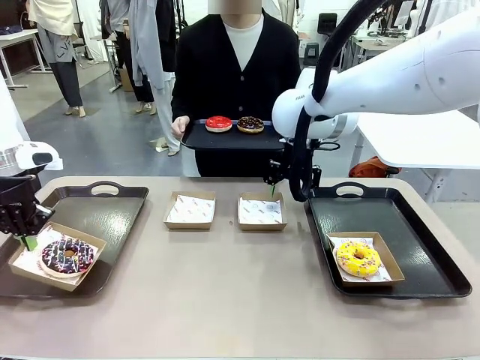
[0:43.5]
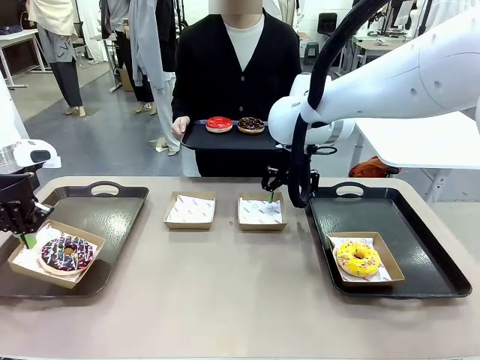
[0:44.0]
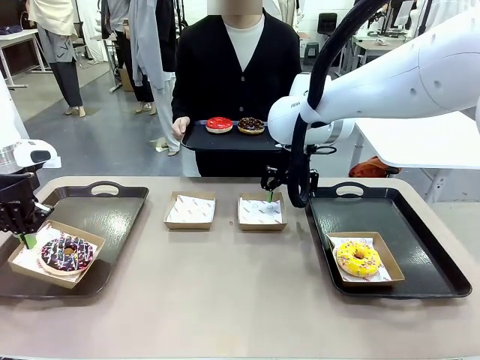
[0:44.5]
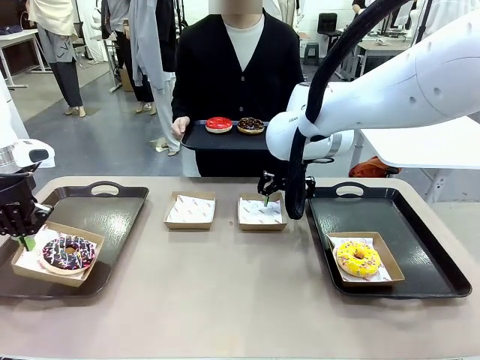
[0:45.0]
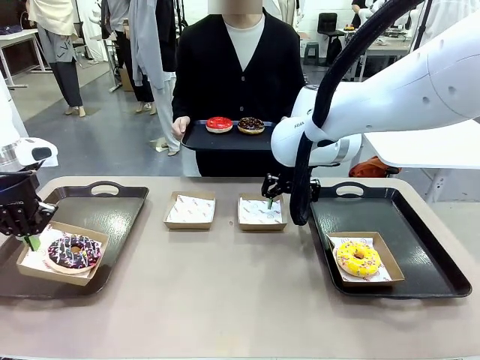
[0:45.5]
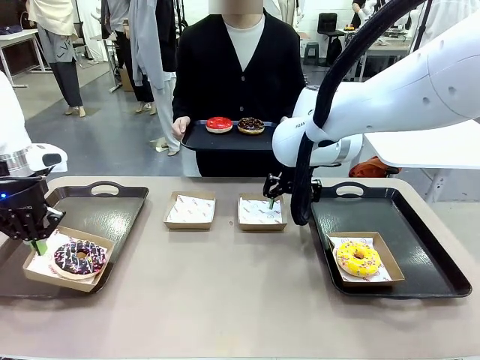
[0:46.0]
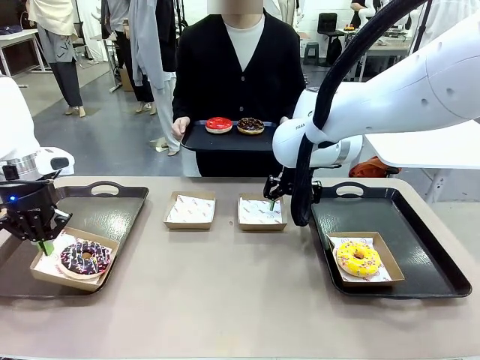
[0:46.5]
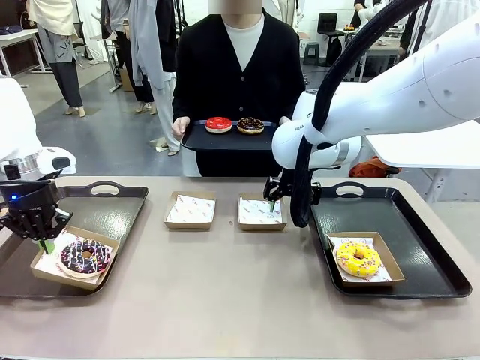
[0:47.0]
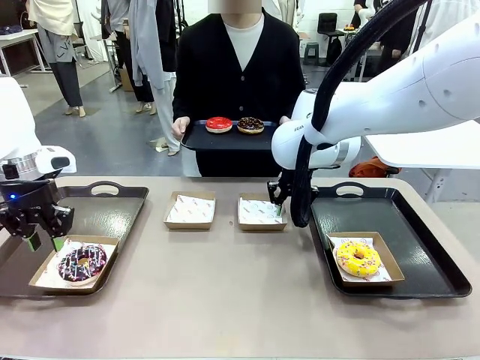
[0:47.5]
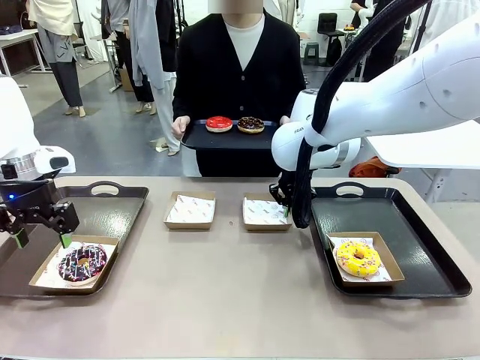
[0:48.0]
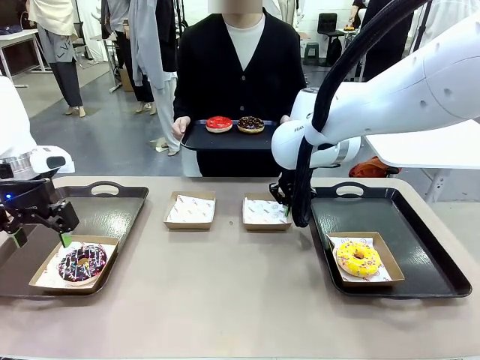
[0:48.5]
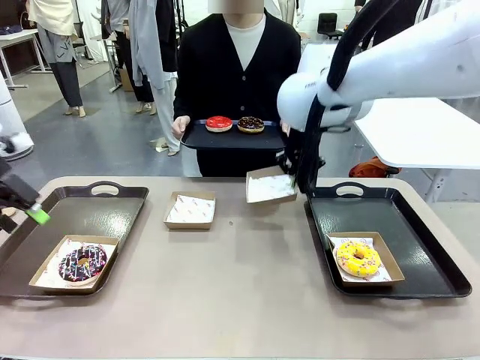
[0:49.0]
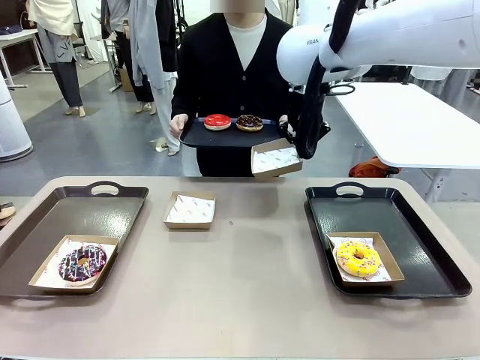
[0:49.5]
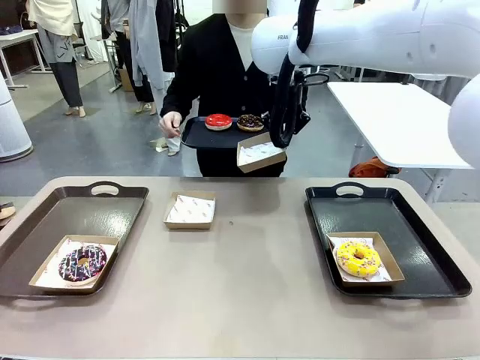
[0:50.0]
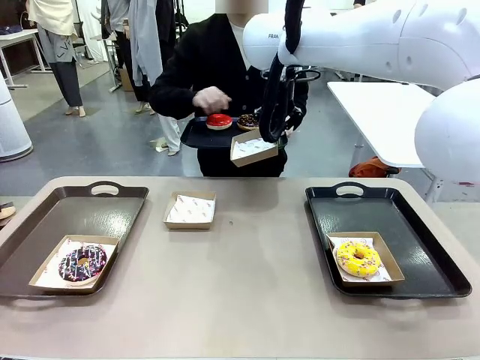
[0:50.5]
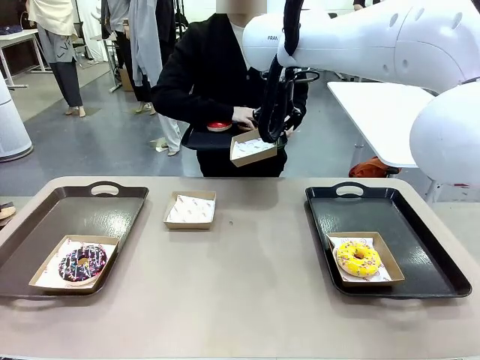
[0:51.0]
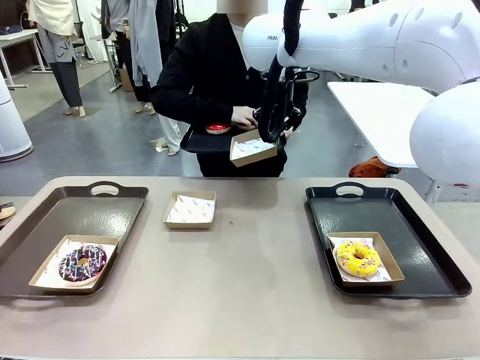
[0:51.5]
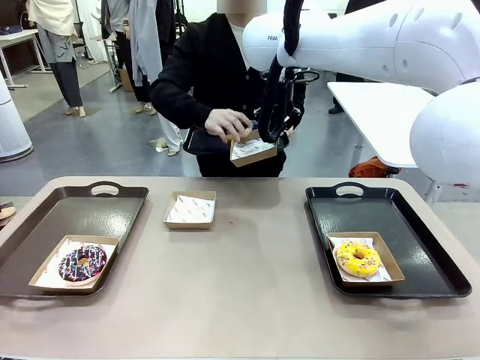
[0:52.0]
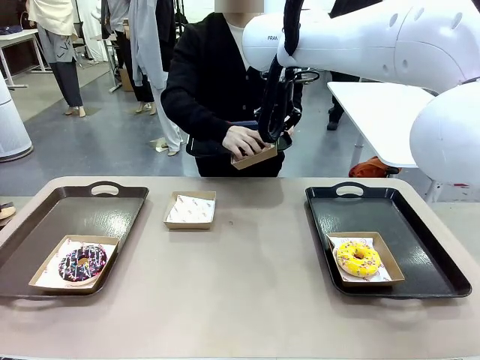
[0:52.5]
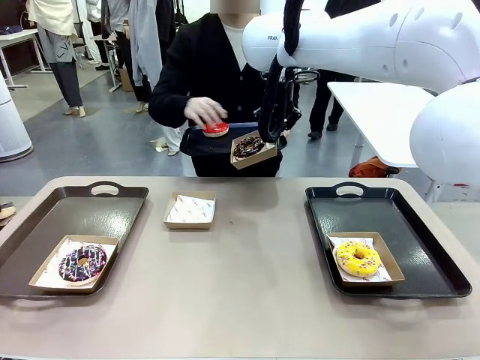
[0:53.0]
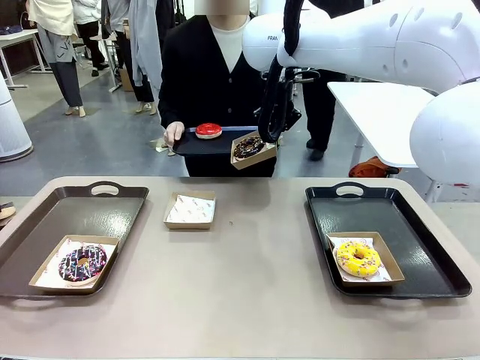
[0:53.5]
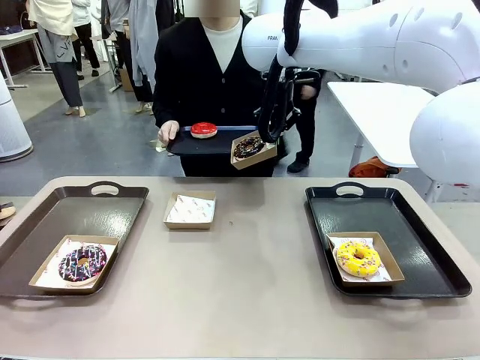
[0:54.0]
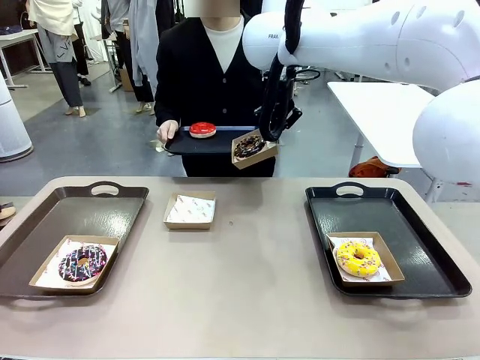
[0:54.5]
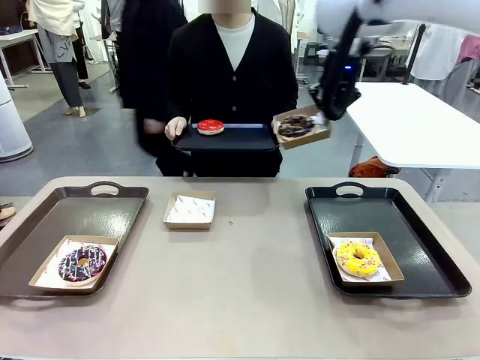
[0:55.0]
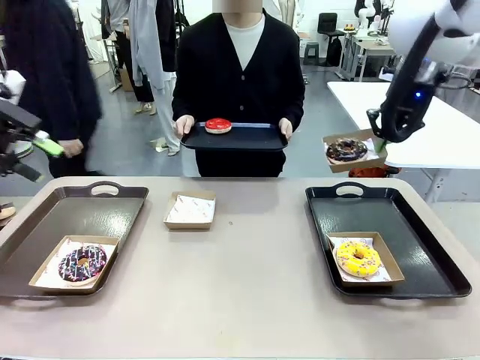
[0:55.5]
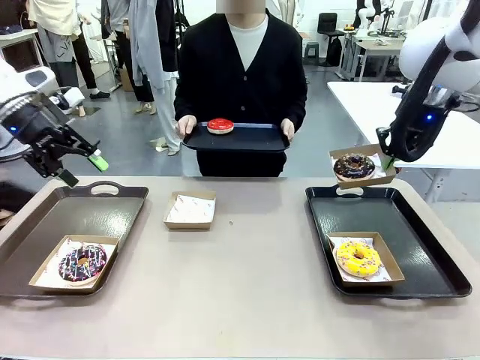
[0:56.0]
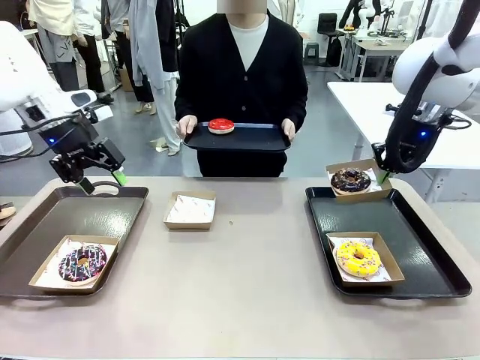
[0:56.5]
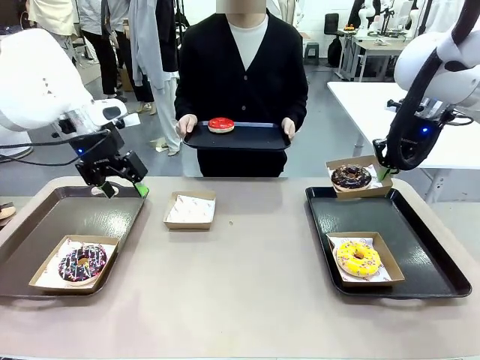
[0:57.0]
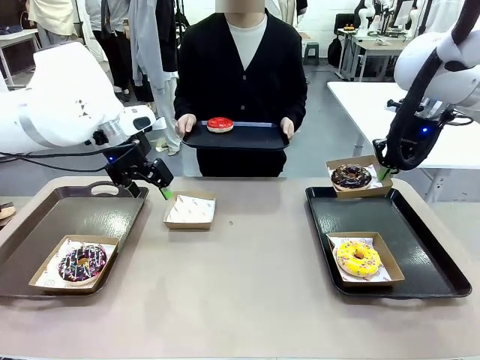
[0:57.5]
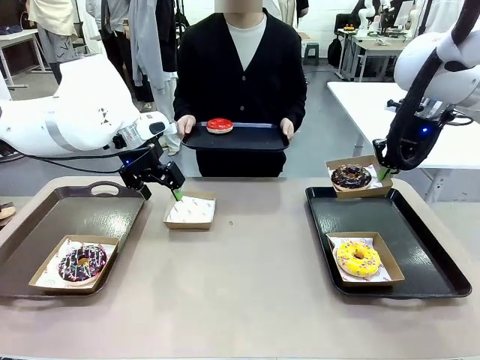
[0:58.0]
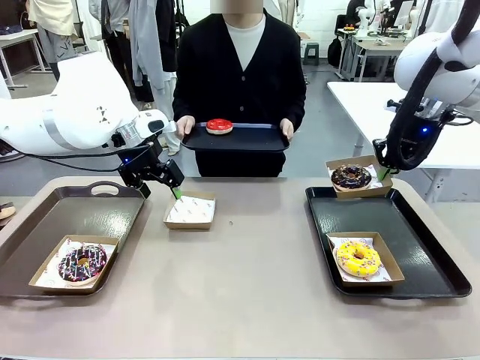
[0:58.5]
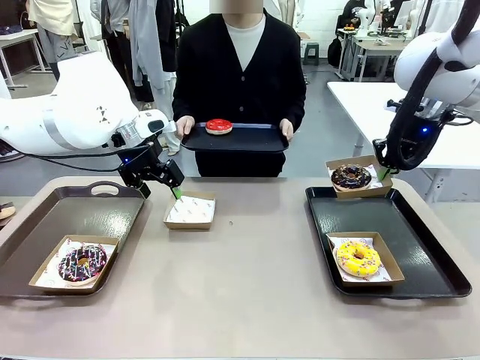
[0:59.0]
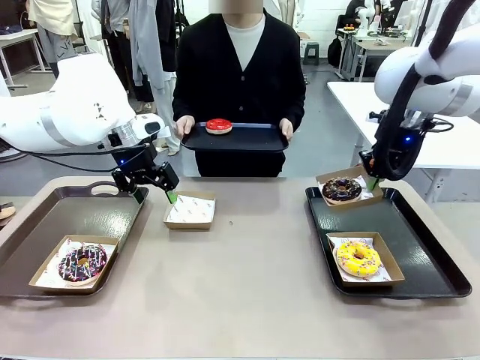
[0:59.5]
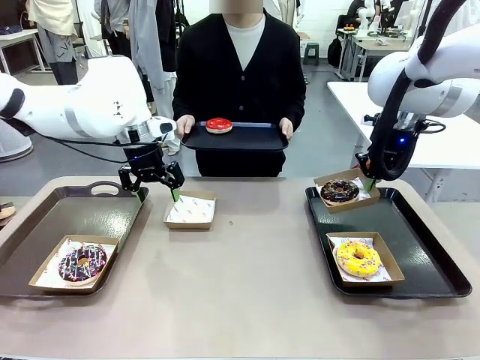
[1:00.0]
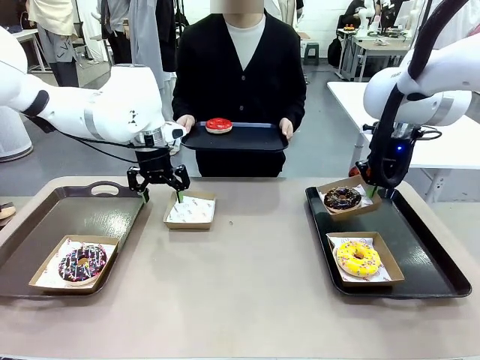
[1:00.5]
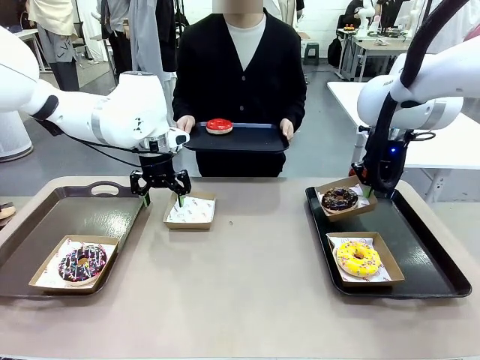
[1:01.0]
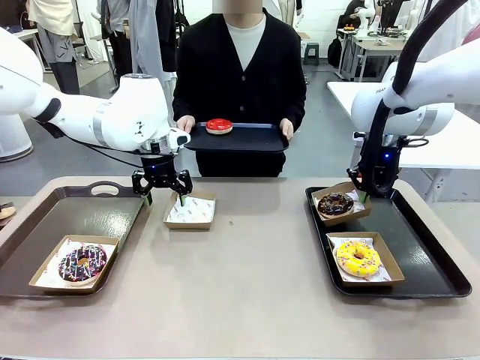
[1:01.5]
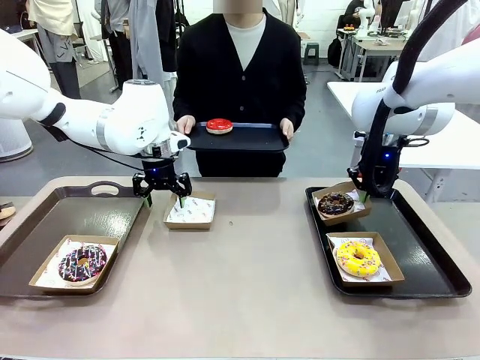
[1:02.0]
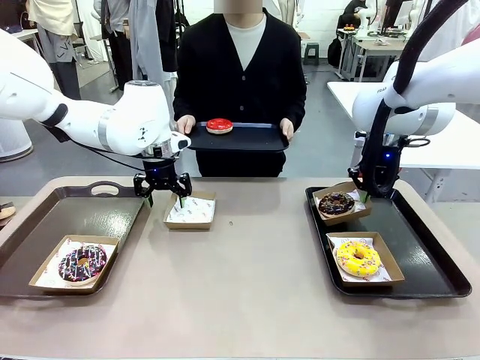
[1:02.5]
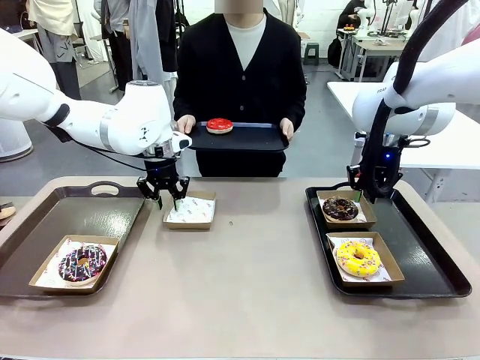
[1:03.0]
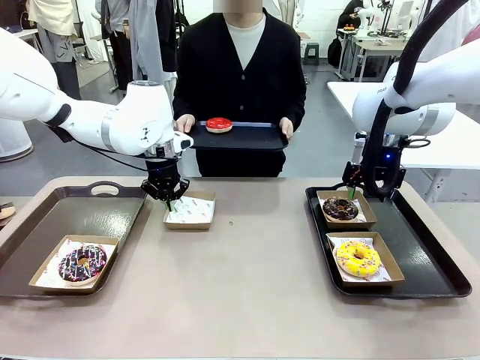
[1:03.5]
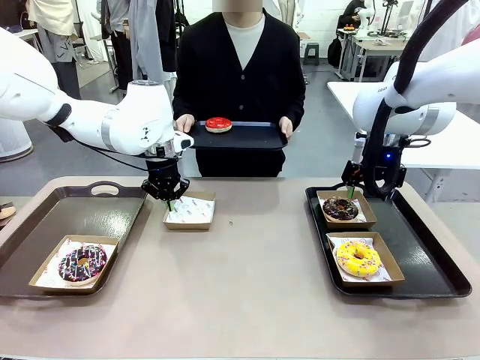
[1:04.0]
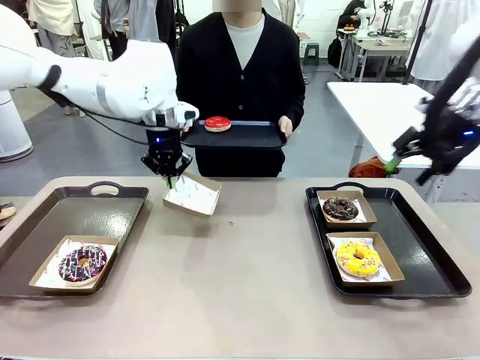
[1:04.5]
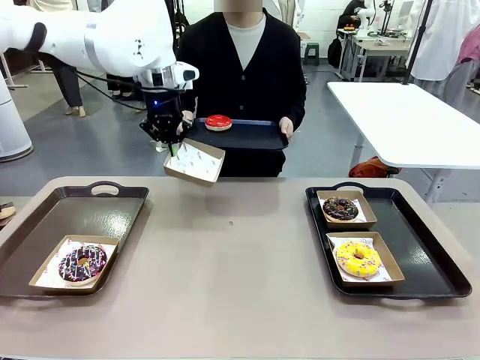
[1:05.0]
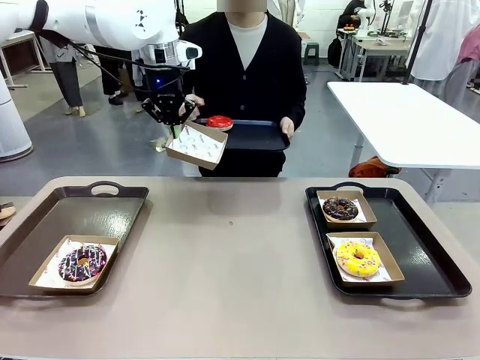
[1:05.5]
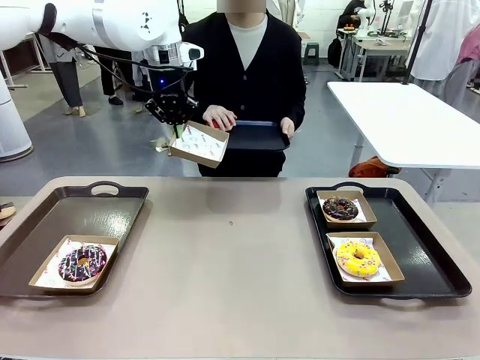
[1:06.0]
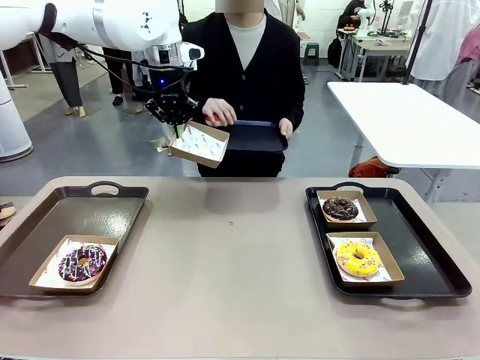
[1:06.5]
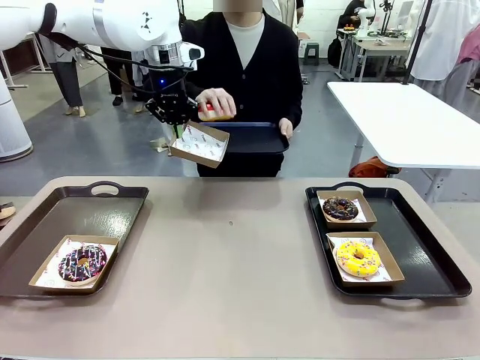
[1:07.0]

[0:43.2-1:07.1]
Task: Individually package the donuts and arrange them on the tray.
Robot: Place the picked Paper togo box on the Handle tray while simultaneously picking up another Paper togo box from the table with the other hand.

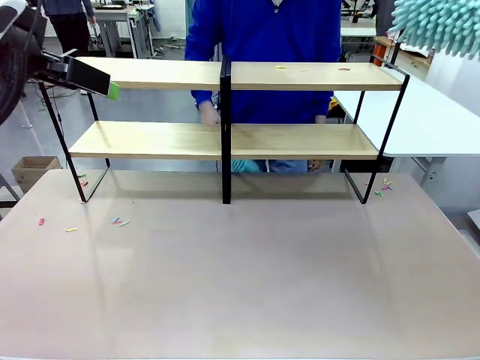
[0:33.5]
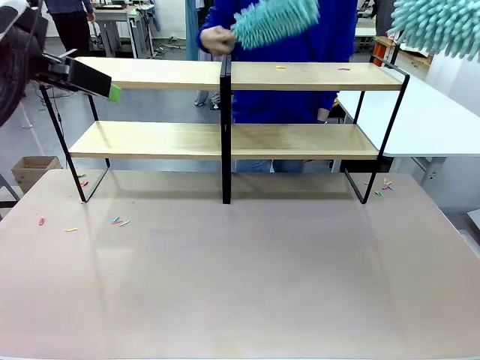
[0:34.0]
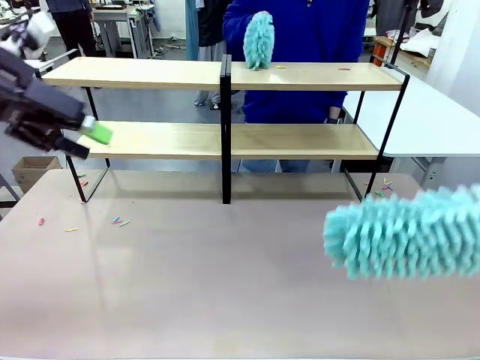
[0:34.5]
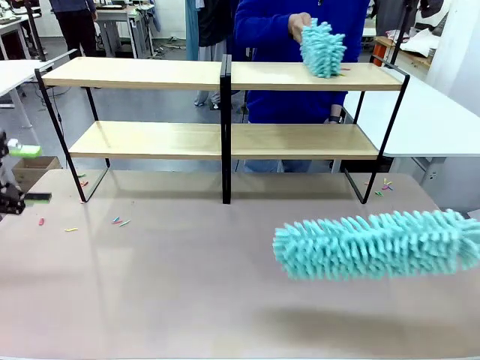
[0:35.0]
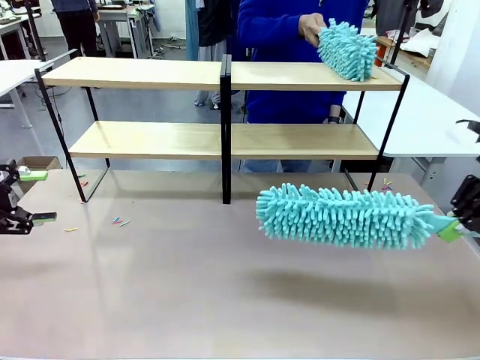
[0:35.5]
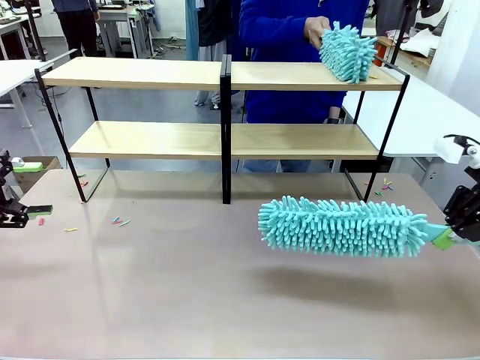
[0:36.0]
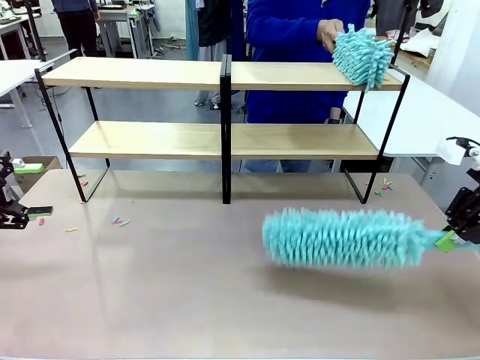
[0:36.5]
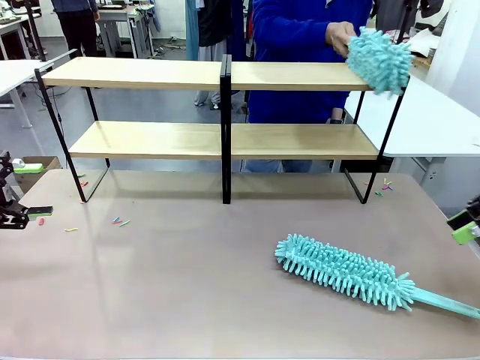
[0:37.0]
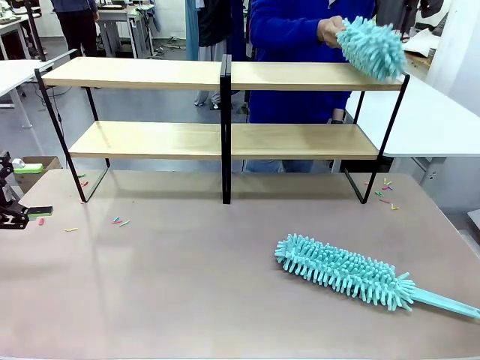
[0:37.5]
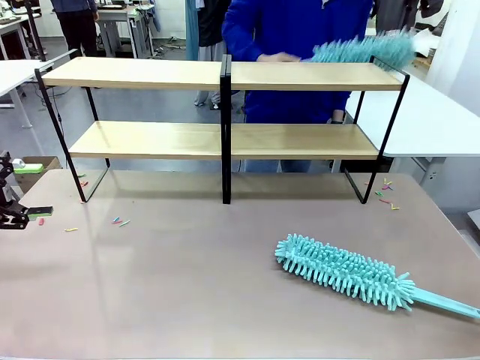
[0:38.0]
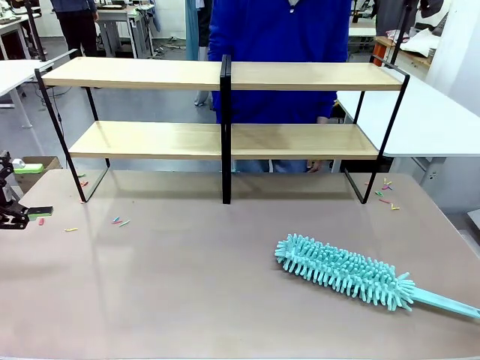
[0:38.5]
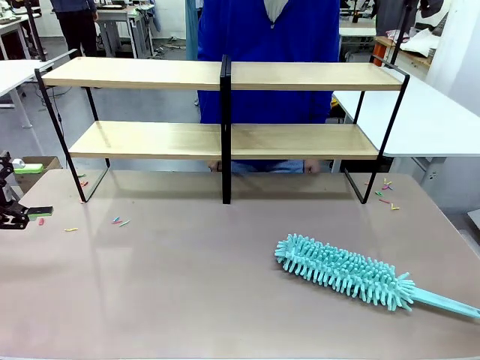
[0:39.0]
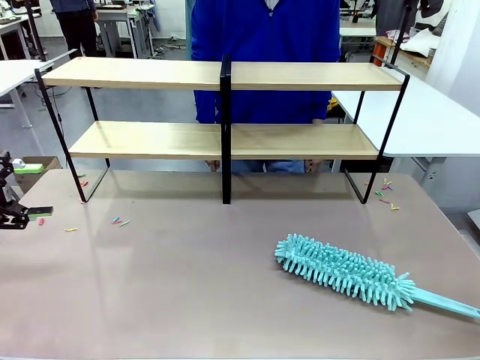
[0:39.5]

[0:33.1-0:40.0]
Task: Clean the shelves.
Robot: Place the Duster on the table.
